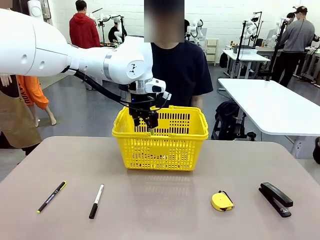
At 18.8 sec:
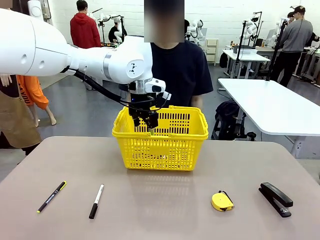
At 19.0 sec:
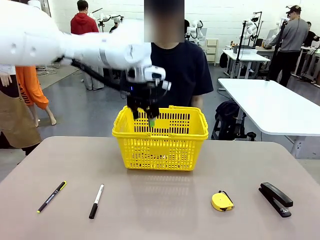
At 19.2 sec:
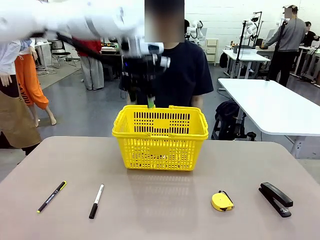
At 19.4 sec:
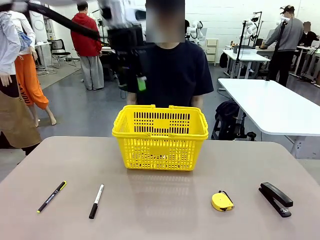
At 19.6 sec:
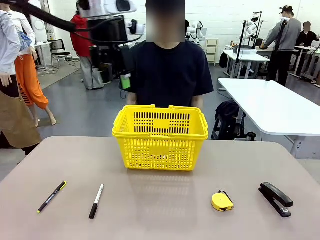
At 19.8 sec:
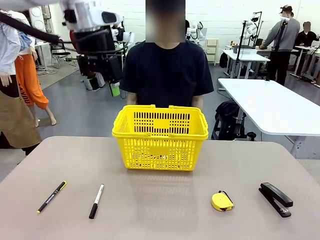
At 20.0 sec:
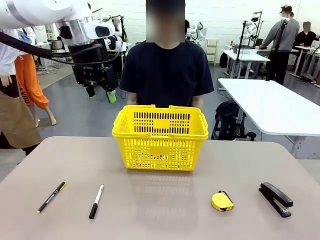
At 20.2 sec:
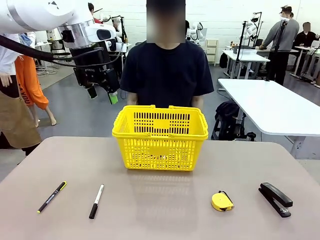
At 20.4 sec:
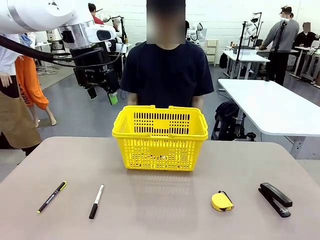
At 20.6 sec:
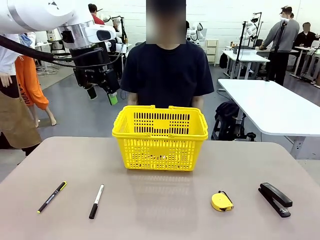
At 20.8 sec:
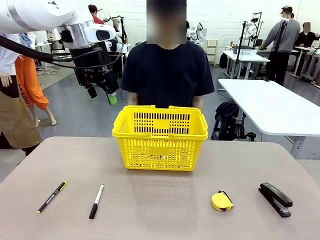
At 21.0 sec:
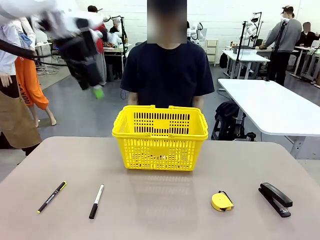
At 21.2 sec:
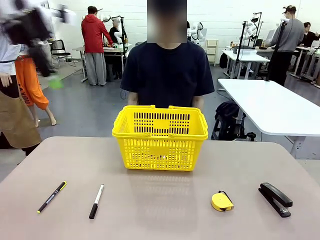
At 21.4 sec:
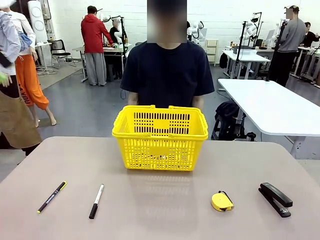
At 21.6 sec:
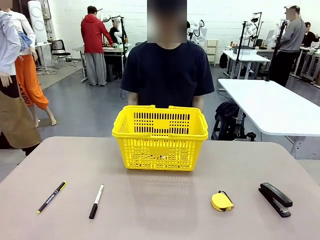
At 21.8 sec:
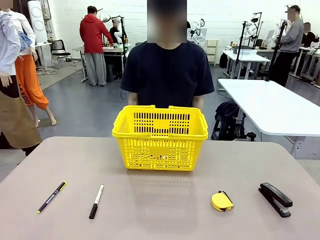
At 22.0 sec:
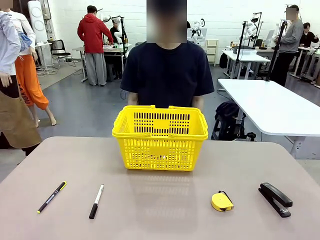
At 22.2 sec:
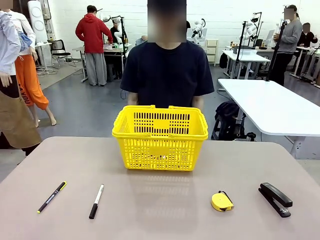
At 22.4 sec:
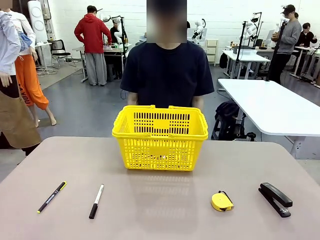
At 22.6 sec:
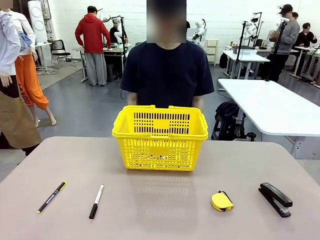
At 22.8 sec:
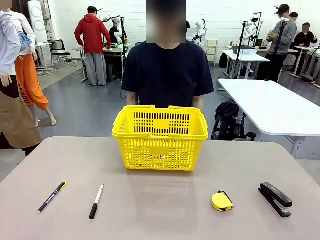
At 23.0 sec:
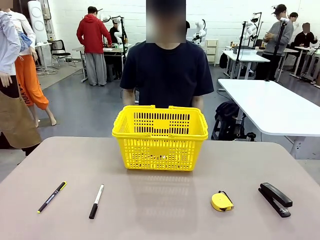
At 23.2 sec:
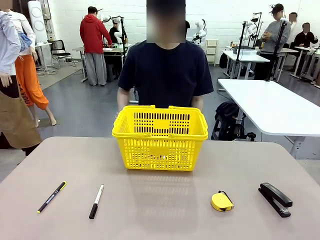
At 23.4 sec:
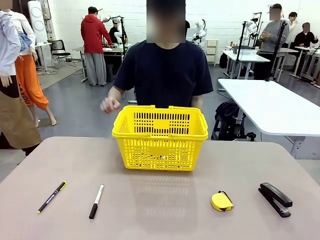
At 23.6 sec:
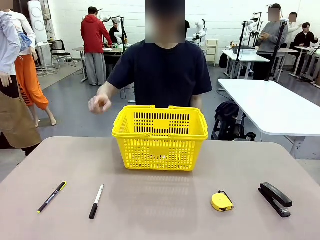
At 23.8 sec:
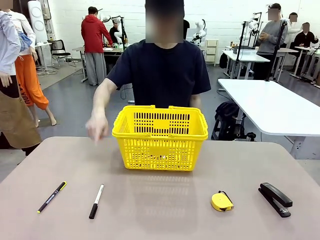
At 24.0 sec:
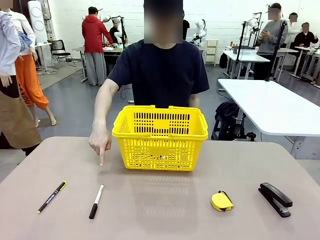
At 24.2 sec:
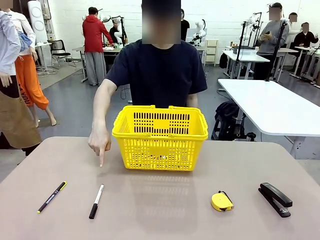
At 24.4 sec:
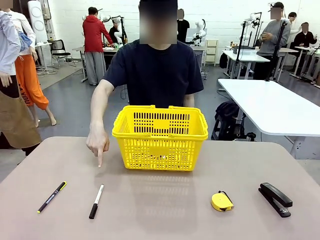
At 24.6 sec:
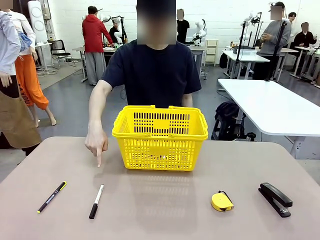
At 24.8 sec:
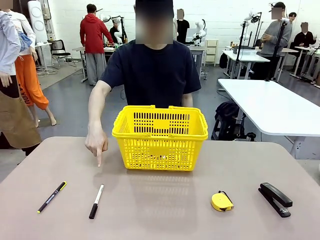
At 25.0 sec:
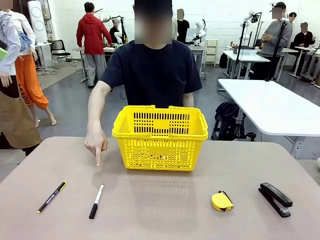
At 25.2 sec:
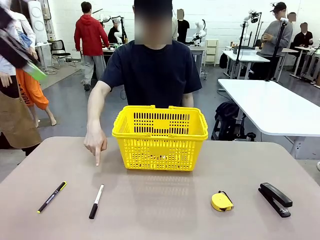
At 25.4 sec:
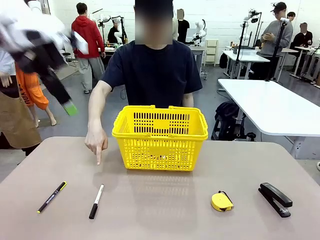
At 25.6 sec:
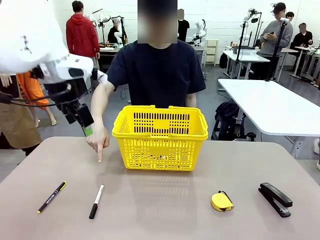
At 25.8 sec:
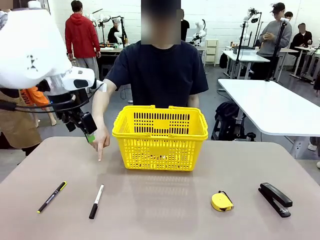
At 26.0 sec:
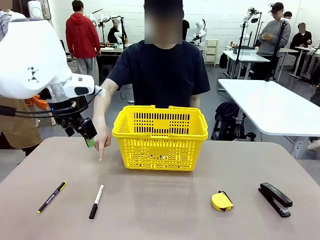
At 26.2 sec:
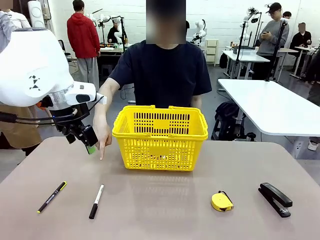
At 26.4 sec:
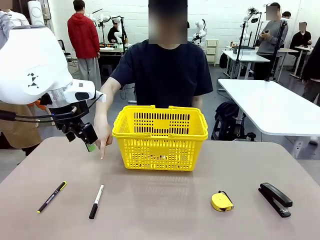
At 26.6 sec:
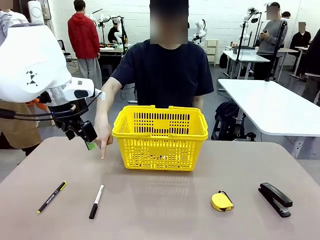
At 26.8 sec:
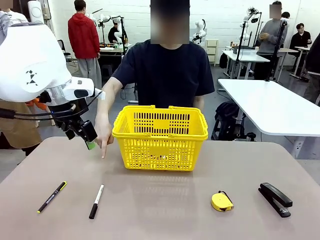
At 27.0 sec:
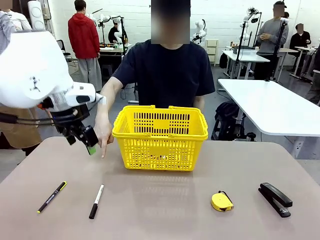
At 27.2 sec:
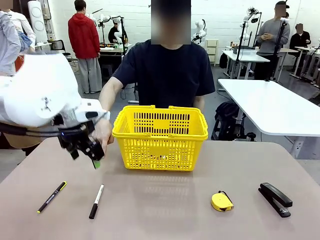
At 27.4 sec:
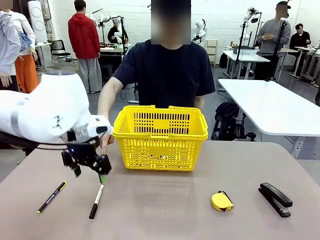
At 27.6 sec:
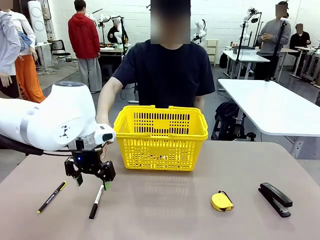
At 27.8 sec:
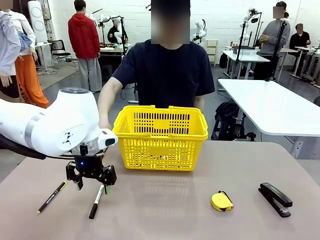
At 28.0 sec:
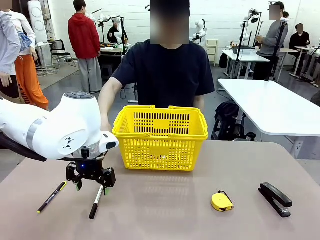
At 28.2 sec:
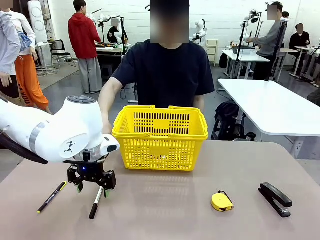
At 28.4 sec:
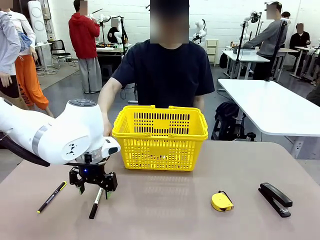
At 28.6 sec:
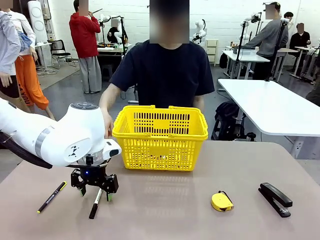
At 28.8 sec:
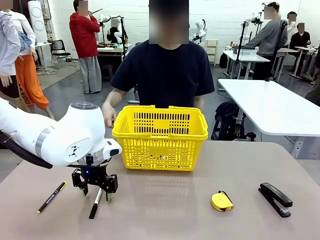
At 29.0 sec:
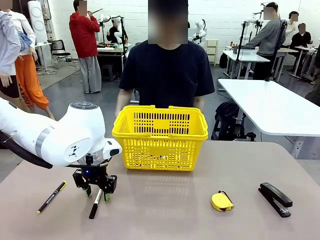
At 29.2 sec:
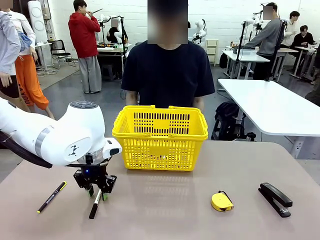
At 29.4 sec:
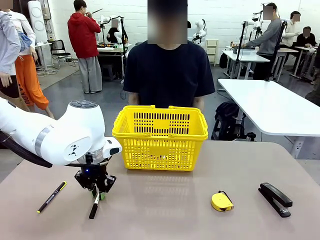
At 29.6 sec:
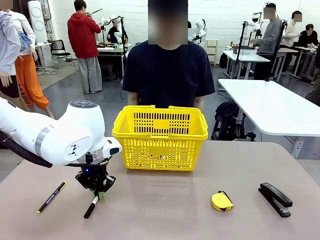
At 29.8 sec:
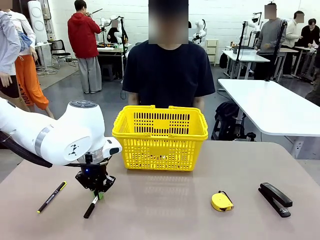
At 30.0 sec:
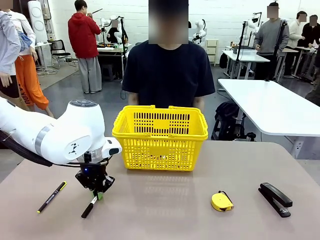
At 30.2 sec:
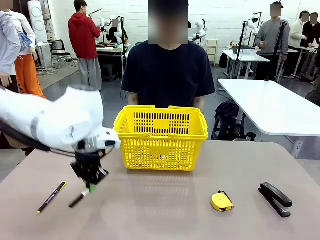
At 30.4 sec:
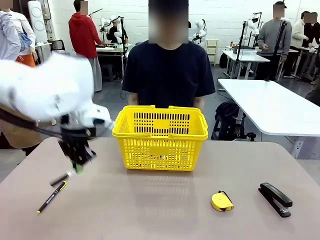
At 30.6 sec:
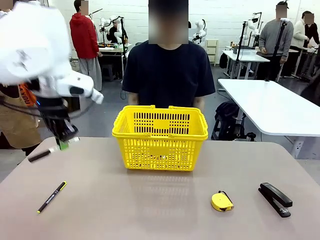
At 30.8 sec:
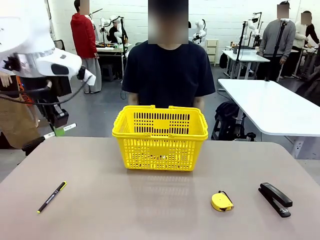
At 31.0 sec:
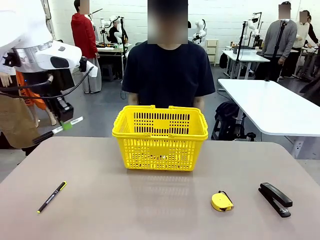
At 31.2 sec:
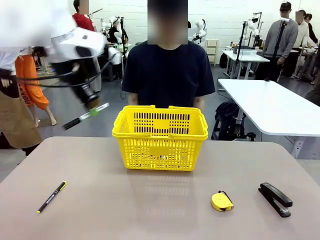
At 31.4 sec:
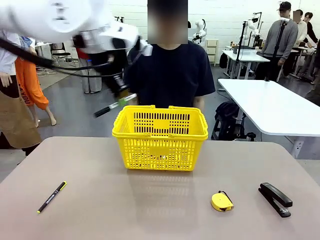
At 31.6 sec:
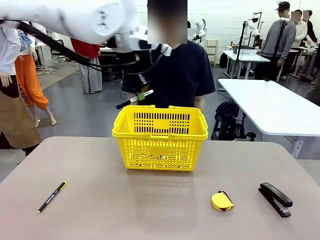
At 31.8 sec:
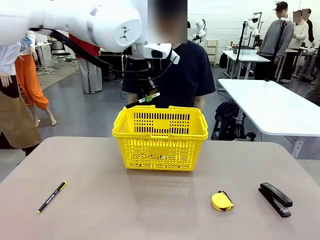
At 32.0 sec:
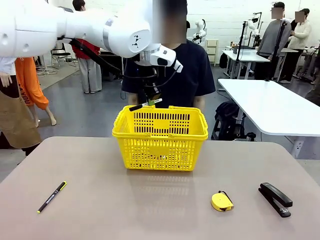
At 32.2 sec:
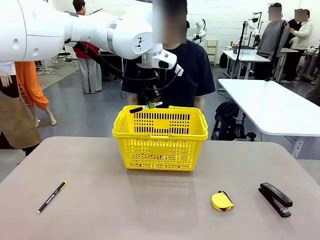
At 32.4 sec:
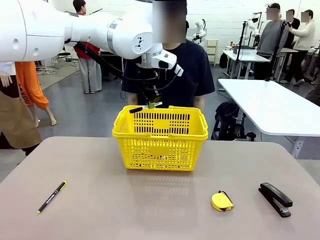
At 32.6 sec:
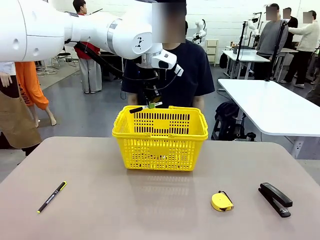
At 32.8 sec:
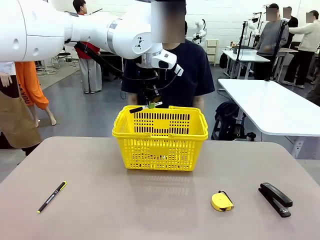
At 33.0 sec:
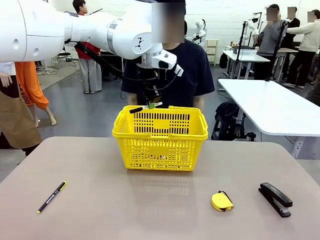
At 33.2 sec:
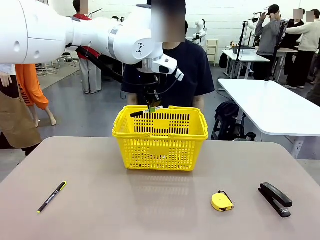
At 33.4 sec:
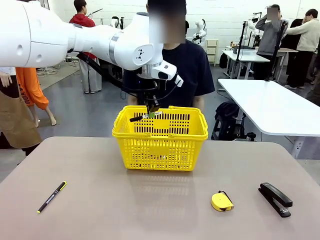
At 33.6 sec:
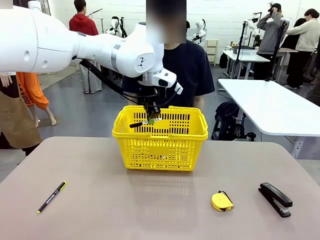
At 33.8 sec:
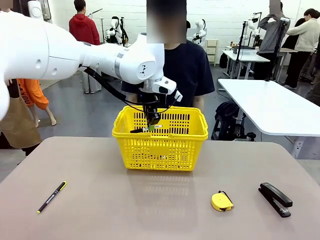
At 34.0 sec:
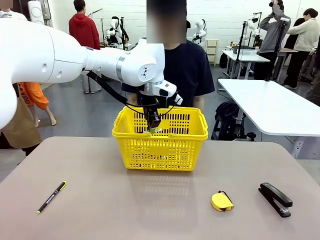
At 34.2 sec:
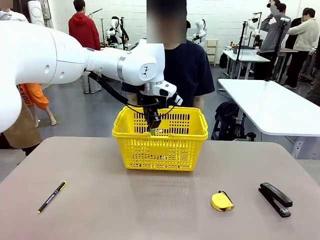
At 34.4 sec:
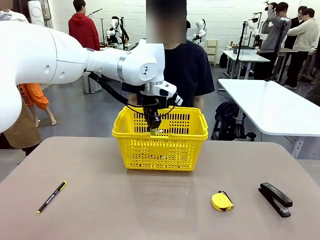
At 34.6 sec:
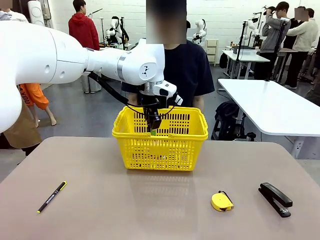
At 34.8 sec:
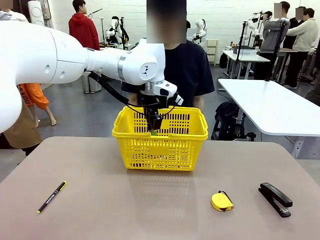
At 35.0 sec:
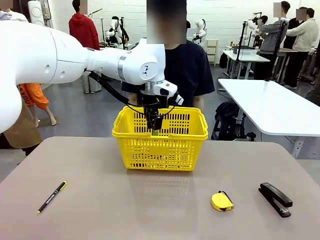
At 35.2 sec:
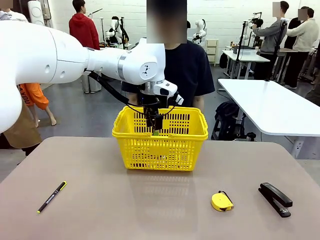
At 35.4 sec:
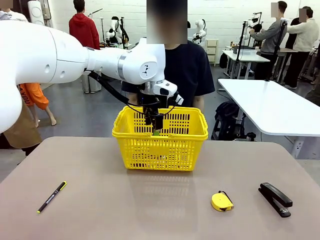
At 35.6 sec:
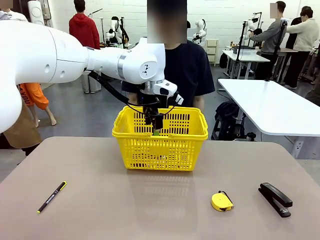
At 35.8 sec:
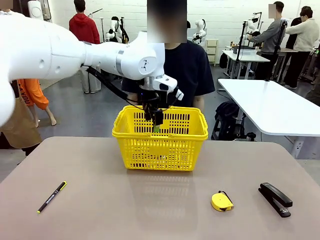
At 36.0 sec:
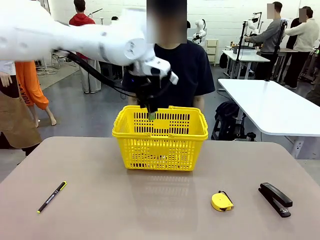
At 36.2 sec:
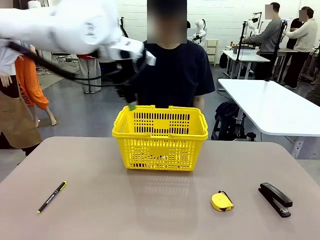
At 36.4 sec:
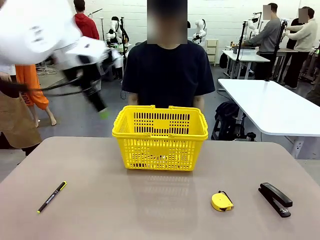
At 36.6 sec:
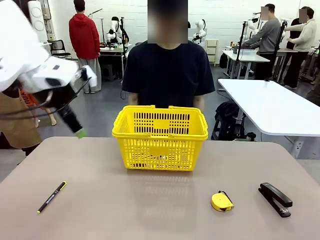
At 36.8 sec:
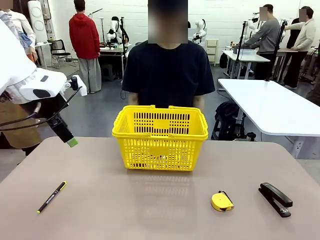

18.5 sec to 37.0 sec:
Task: Place the items the person wants into the basket.
Robot: Pick up the item the person points to and place it in the Market Basket.
